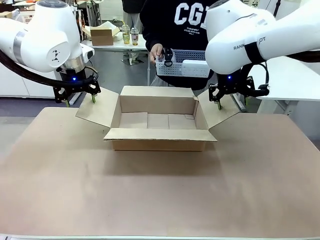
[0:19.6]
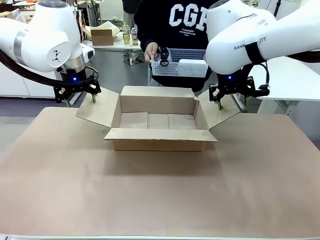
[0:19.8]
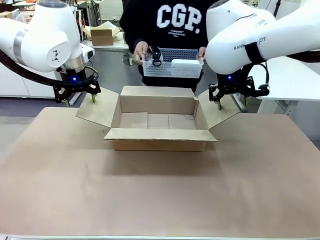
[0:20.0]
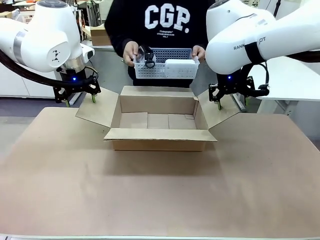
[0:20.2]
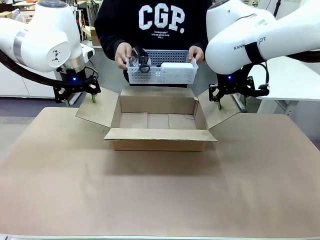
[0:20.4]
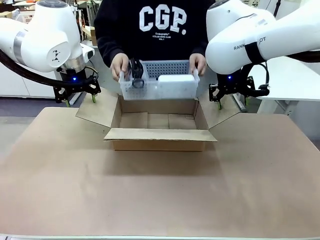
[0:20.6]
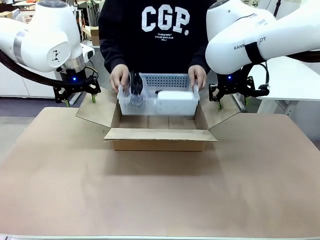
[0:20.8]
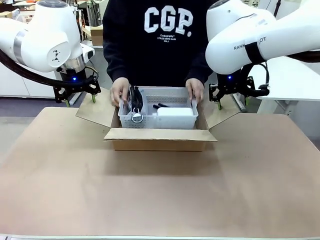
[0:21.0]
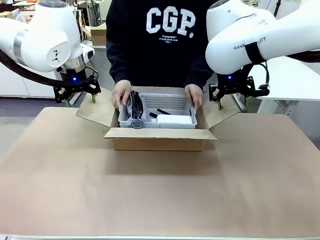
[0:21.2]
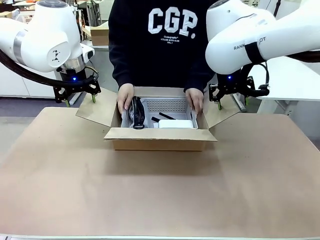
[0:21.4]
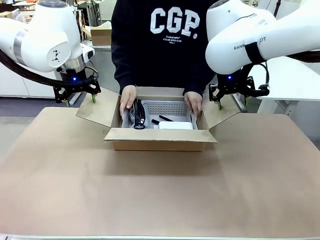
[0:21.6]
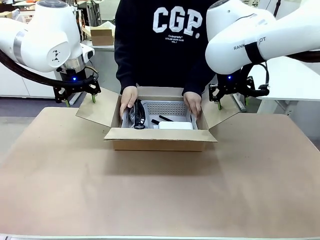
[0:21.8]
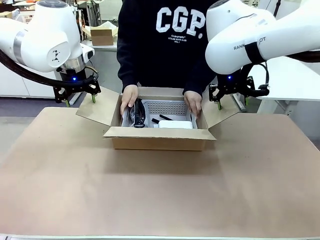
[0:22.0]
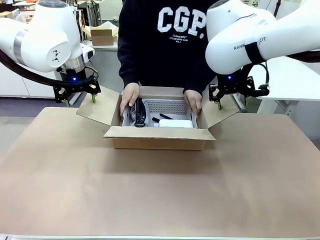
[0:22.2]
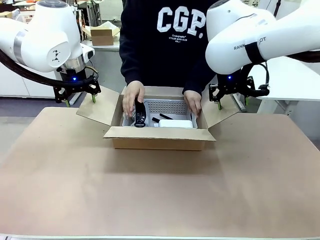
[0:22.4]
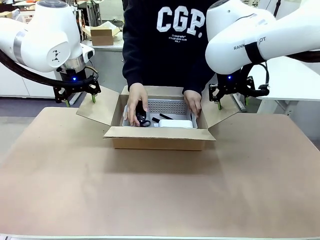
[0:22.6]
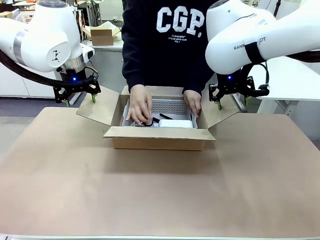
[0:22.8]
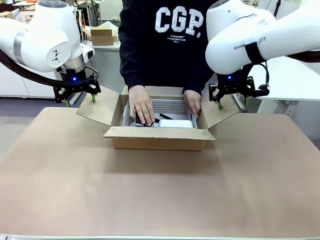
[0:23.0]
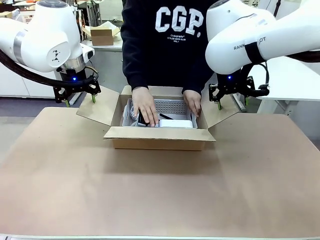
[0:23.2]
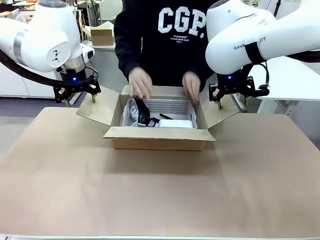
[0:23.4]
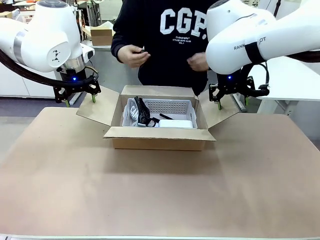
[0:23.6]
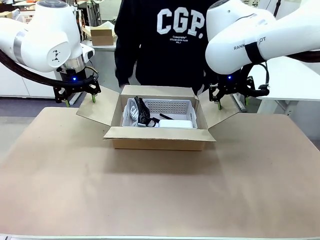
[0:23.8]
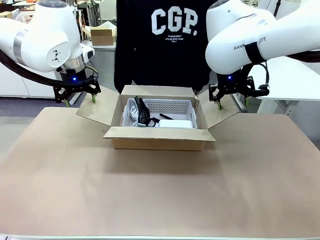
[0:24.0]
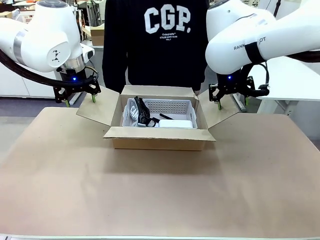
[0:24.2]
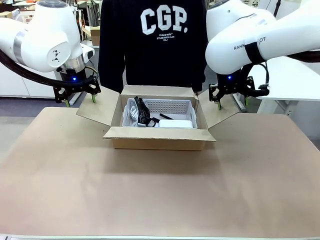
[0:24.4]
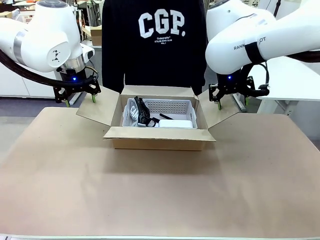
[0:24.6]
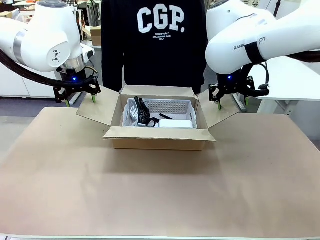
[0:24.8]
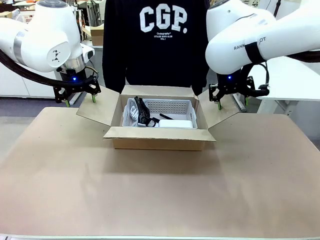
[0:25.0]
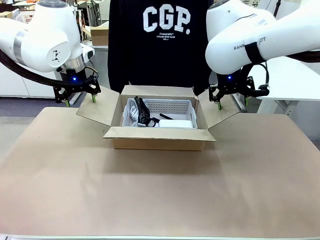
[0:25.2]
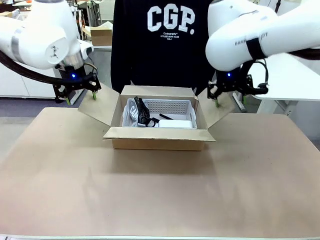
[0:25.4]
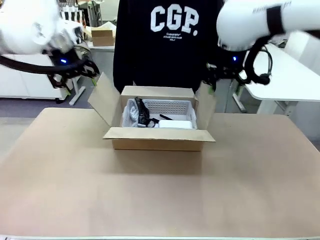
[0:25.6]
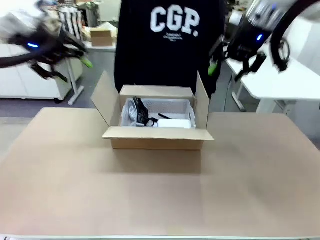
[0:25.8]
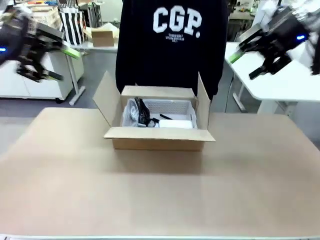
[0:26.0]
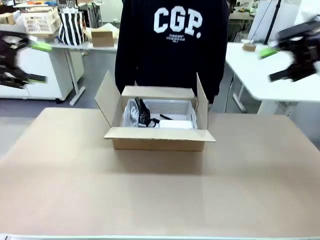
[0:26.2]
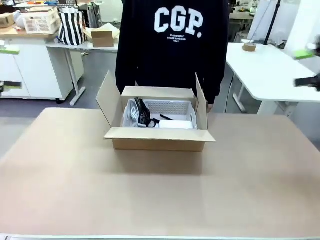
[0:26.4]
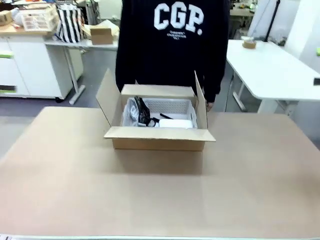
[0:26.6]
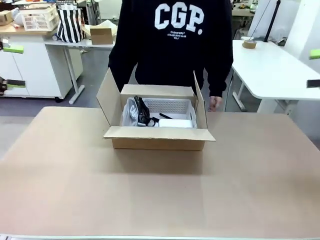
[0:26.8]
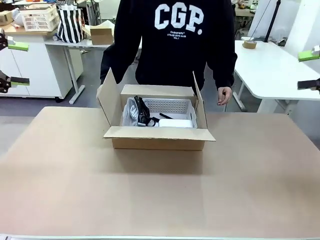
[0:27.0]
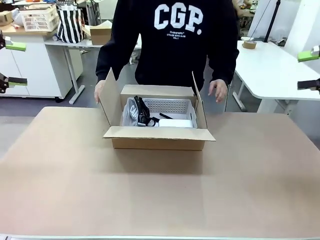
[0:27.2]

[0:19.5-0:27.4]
Task: Pack the gift set into the box.
Robot: Lift both hands away from the flaps of the Package Box.
Person: The human picks up the organizing basket and places the organizing basket into the package box on the robot table.

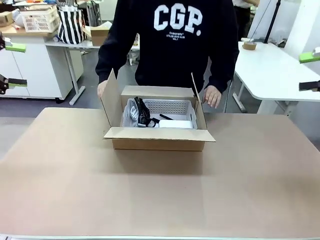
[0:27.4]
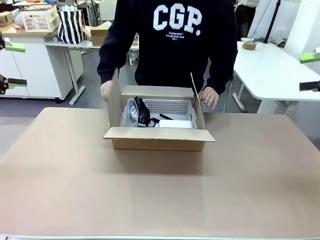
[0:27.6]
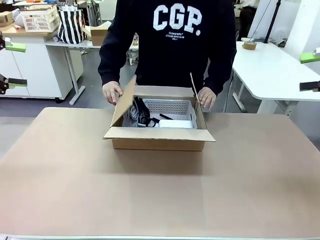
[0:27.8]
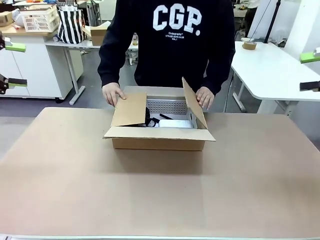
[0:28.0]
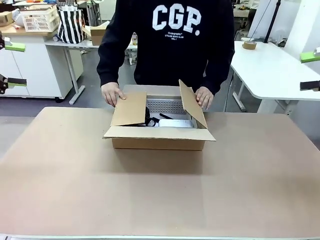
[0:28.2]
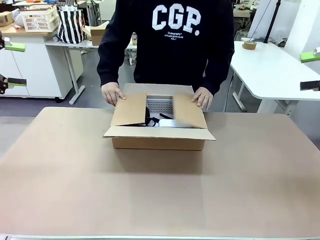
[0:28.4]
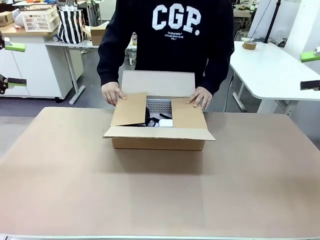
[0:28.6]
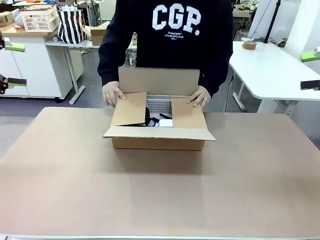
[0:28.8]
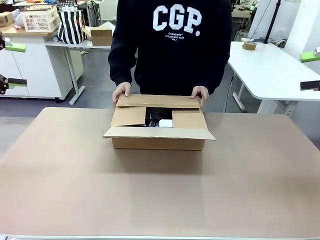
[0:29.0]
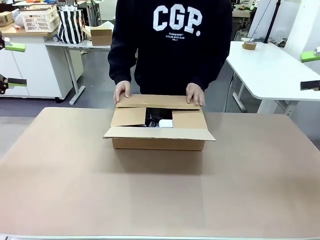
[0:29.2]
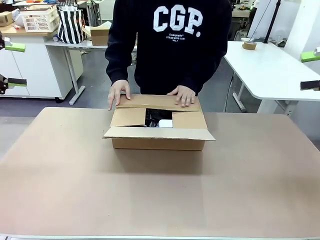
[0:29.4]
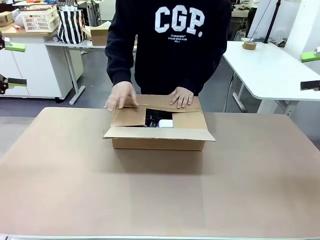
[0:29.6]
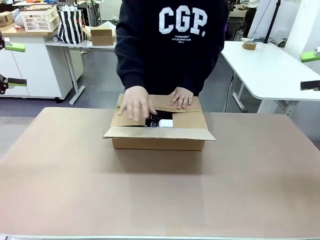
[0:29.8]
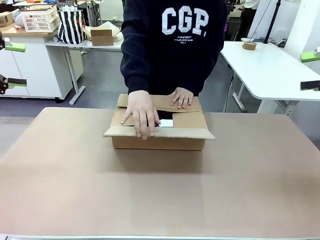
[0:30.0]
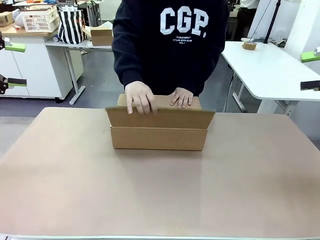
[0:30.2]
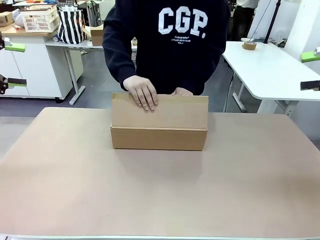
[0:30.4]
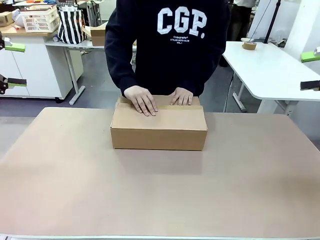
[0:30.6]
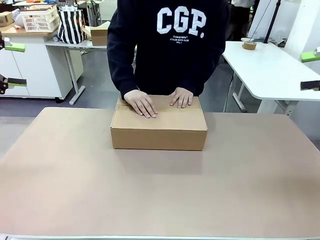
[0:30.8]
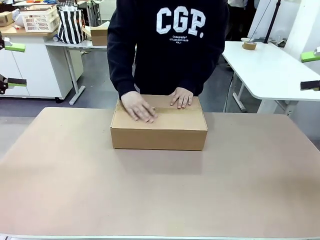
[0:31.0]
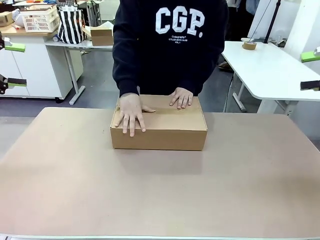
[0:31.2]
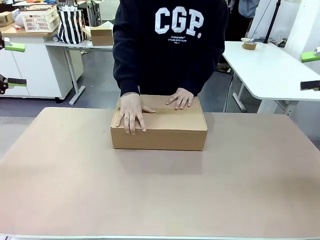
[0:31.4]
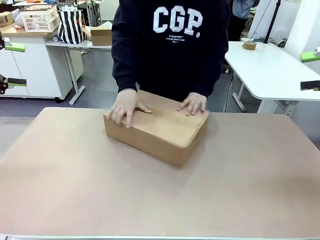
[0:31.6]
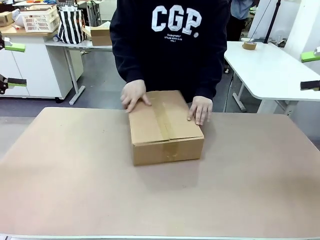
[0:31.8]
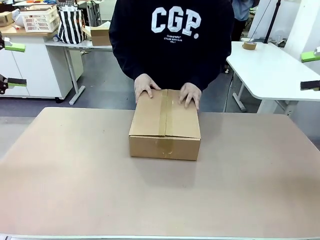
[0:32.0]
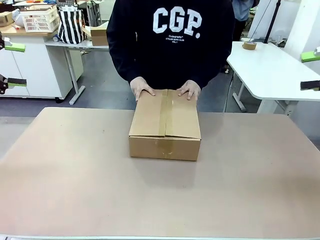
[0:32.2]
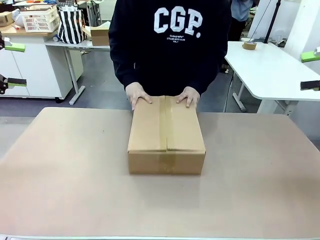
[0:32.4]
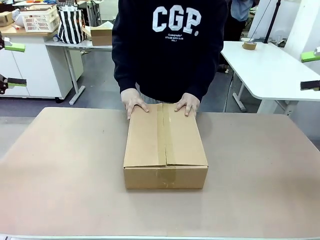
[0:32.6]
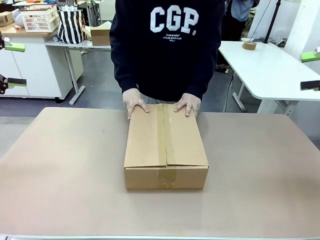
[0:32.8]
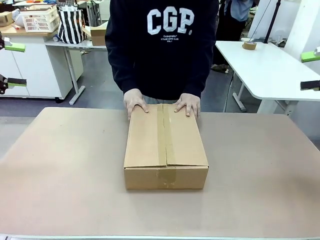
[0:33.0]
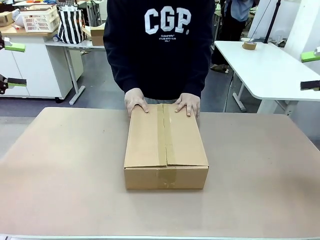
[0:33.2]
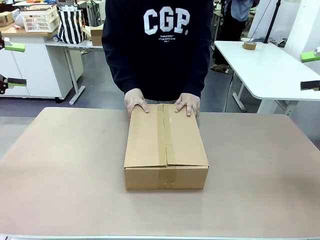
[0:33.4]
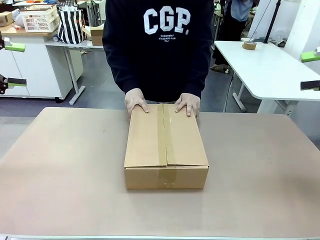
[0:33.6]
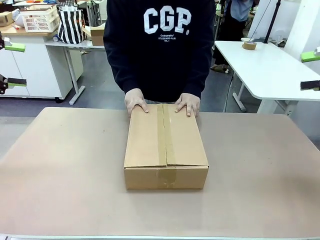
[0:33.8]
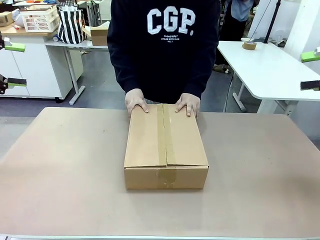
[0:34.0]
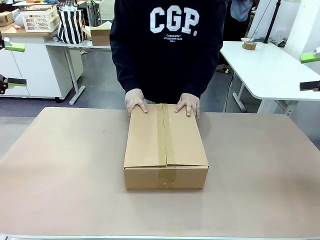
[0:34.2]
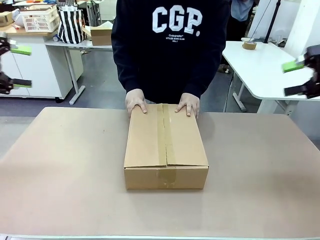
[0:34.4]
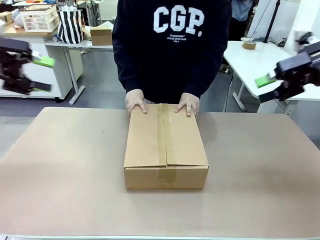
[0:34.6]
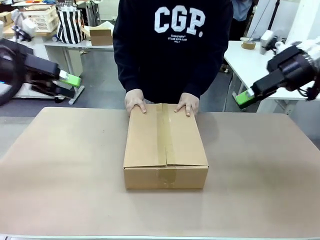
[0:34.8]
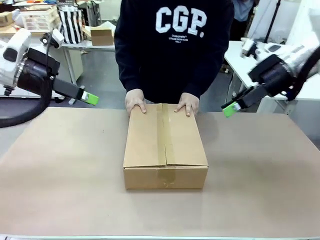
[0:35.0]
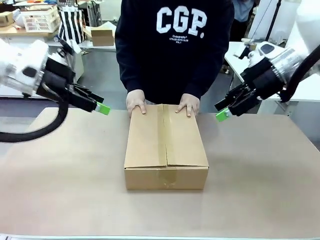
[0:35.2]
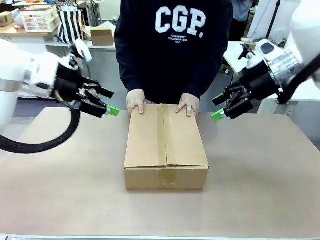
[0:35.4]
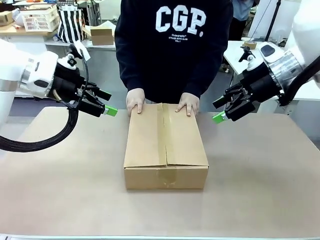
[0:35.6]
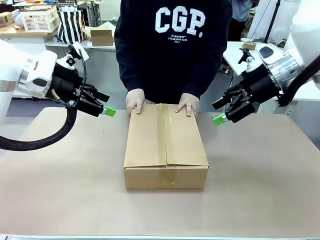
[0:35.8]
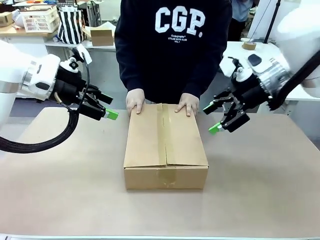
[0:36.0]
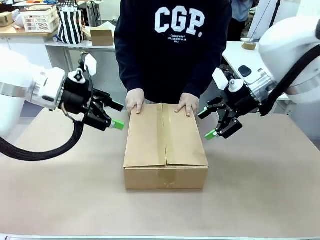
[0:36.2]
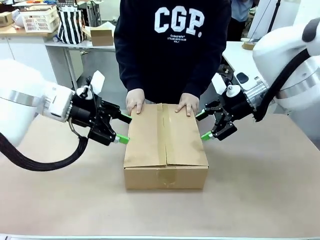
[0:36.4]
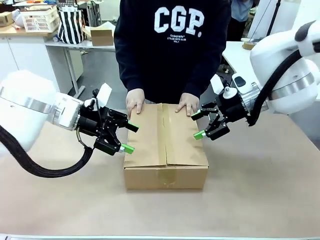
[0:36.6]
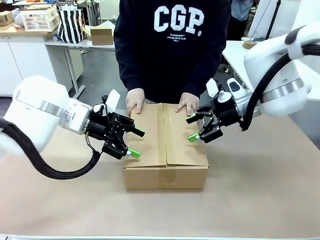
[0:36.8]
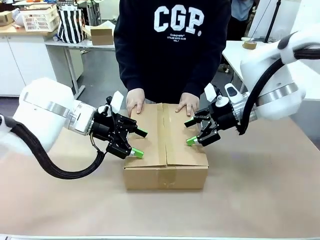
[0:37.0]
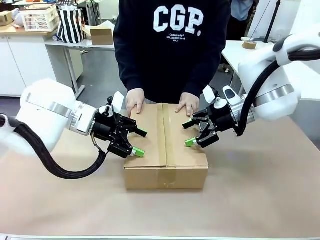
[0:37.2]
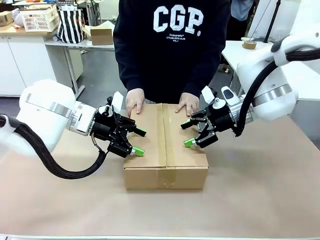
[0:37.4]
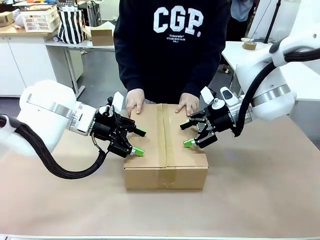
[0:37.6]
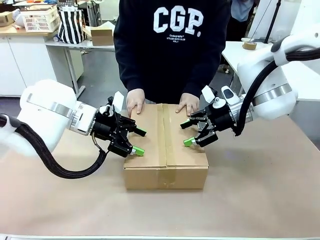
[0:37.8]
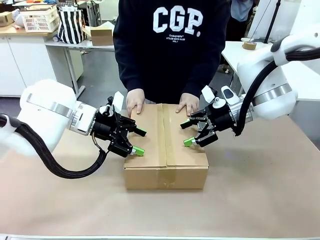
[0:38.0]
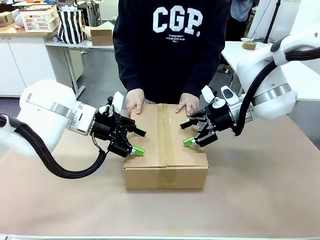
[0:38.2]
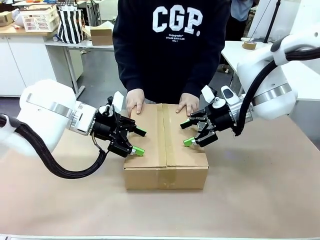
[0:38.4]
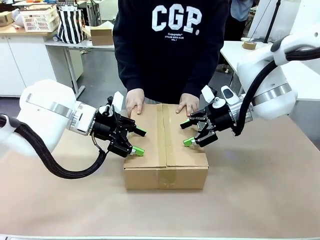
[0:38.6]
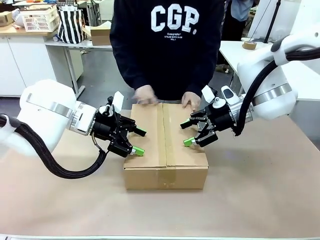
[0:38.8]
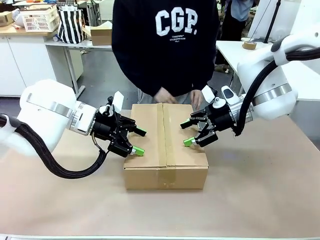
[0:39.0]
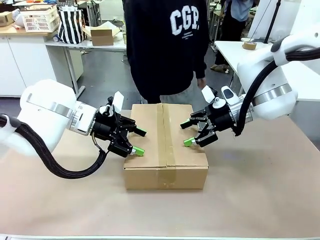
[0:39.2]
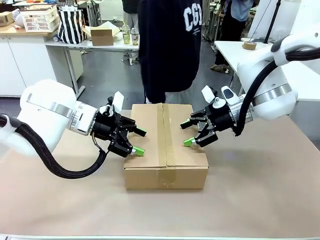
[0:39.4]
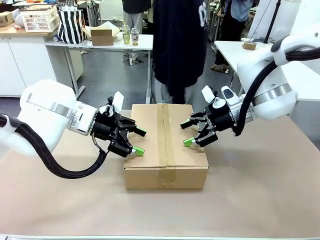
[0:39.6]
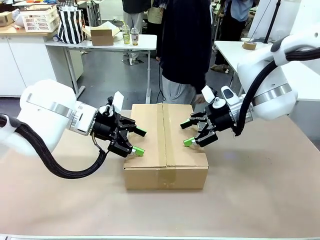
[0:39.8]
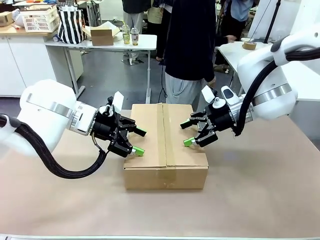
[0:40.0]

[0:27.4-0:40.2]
Robot: Press and hold the closed box until the human finishes sealing it.
Person: The human closes the box and rotates the box by 90 degrees.
